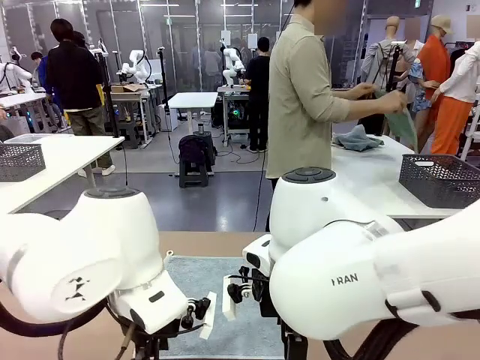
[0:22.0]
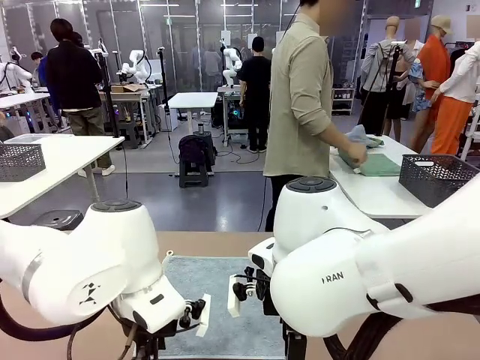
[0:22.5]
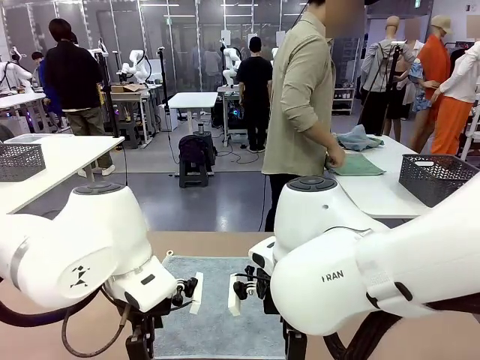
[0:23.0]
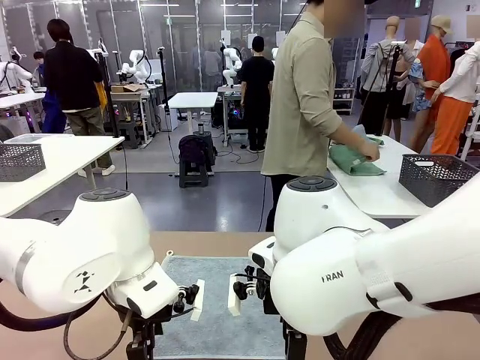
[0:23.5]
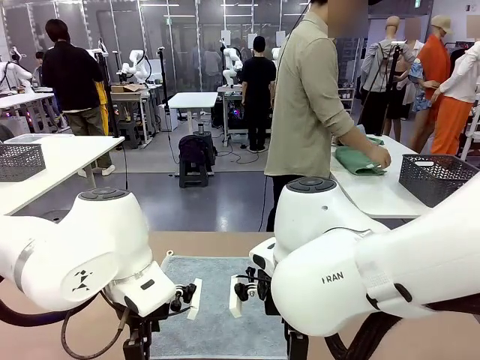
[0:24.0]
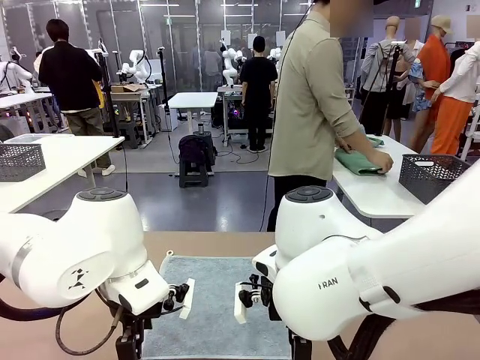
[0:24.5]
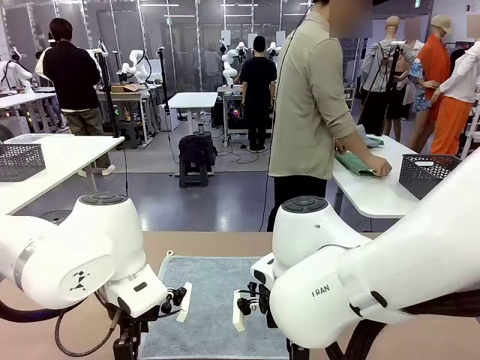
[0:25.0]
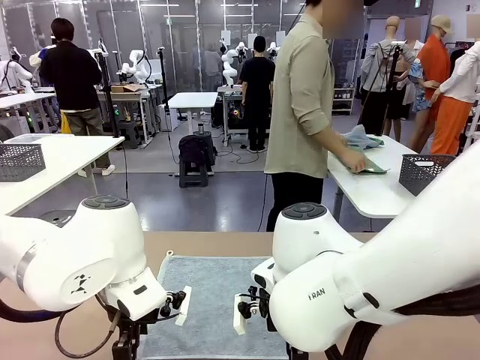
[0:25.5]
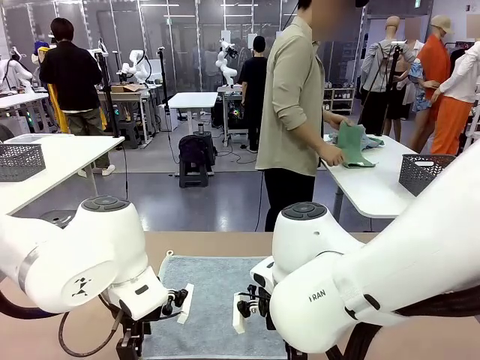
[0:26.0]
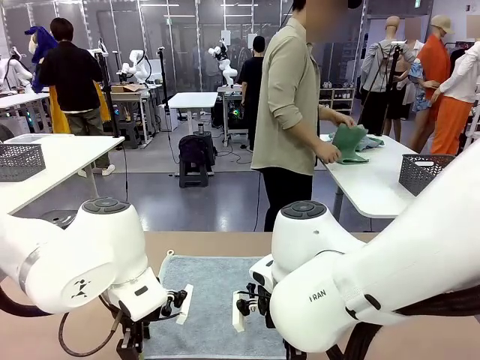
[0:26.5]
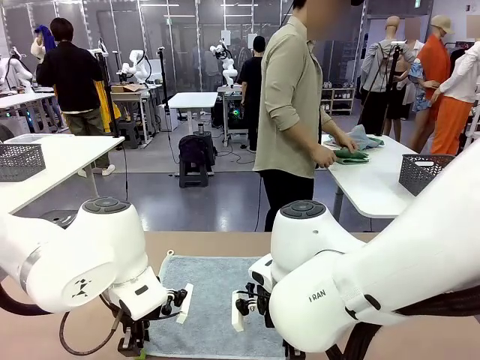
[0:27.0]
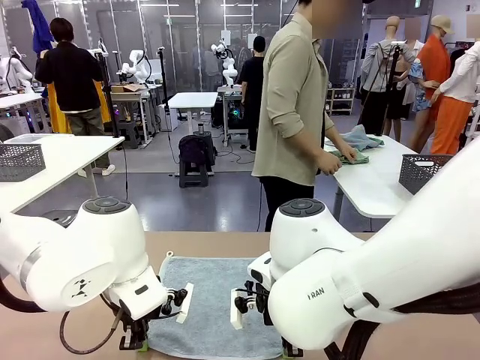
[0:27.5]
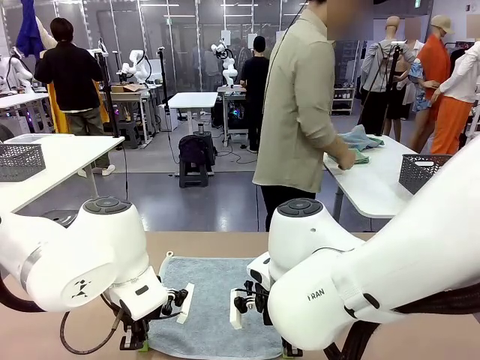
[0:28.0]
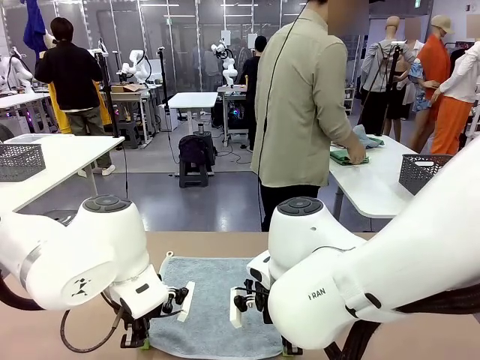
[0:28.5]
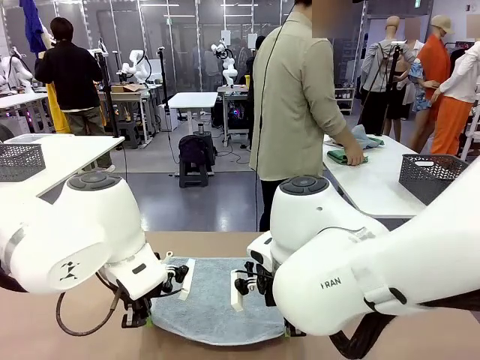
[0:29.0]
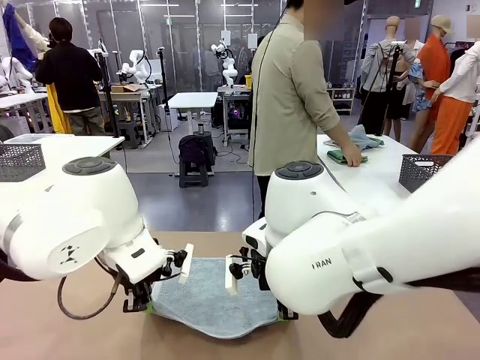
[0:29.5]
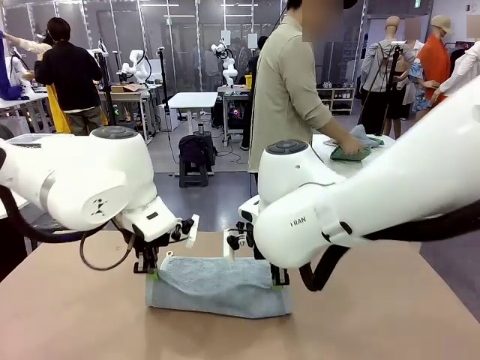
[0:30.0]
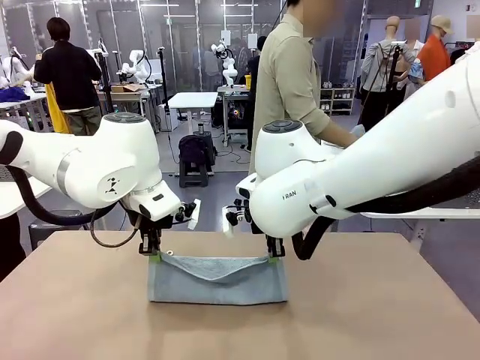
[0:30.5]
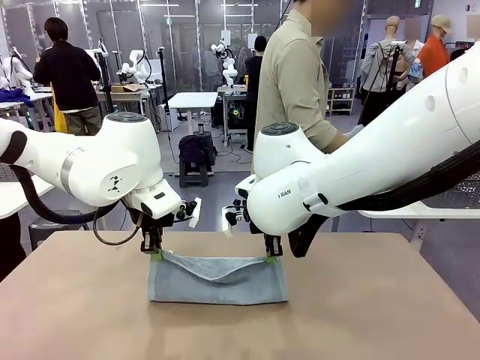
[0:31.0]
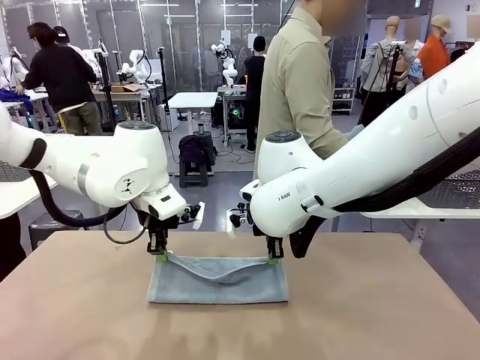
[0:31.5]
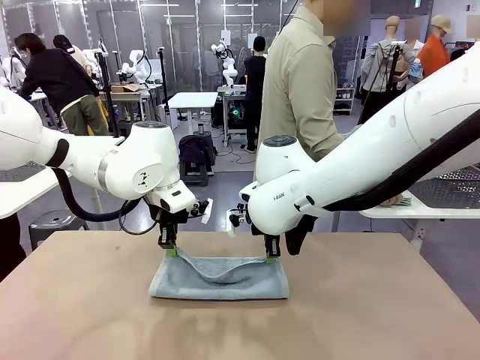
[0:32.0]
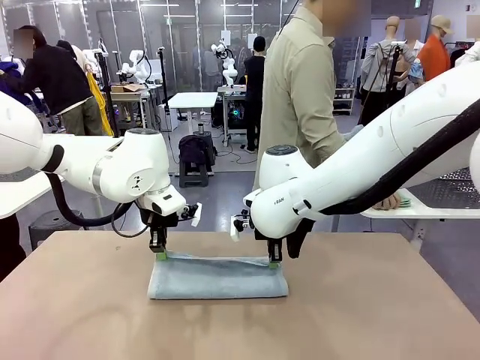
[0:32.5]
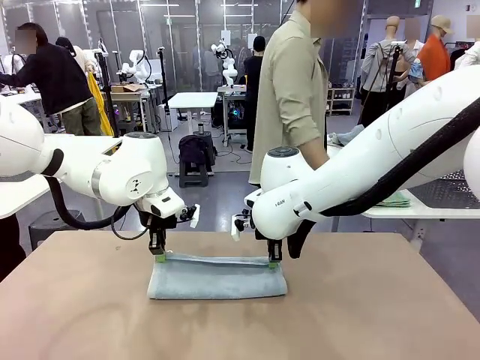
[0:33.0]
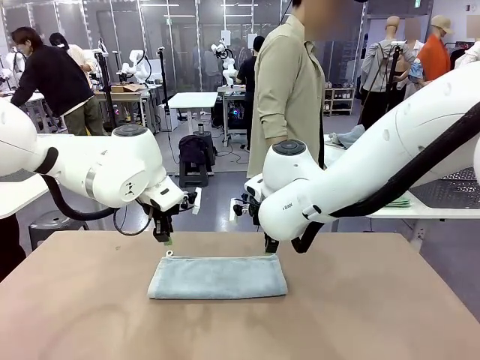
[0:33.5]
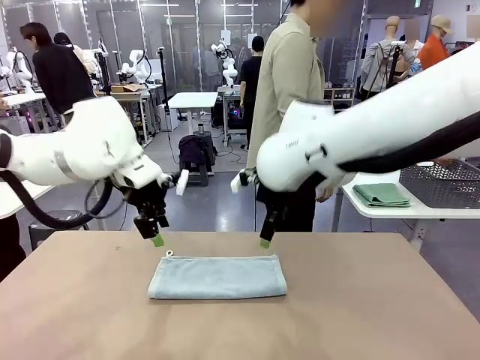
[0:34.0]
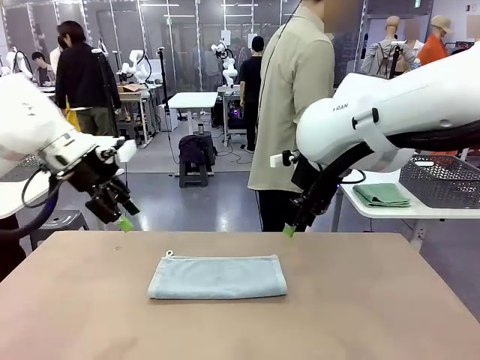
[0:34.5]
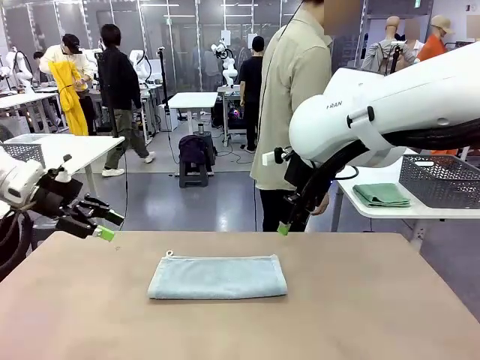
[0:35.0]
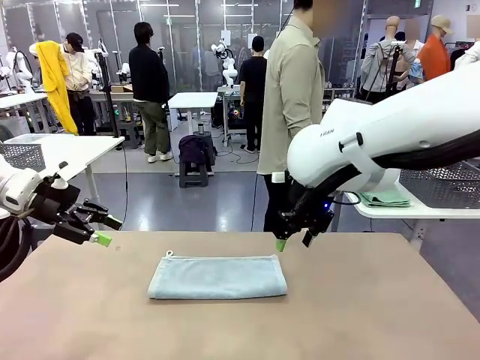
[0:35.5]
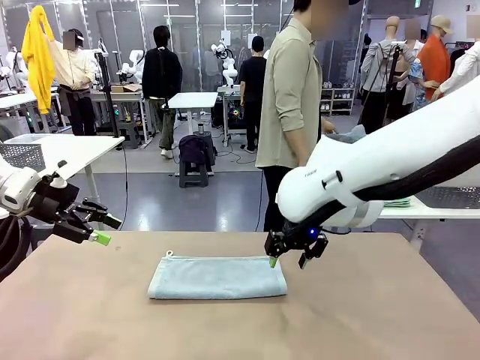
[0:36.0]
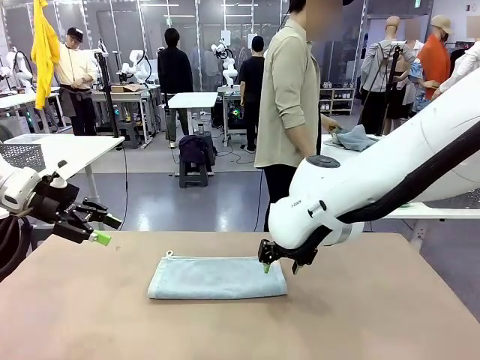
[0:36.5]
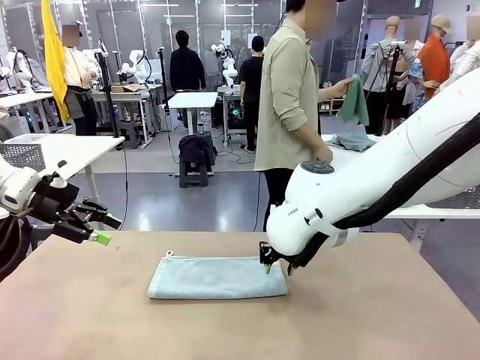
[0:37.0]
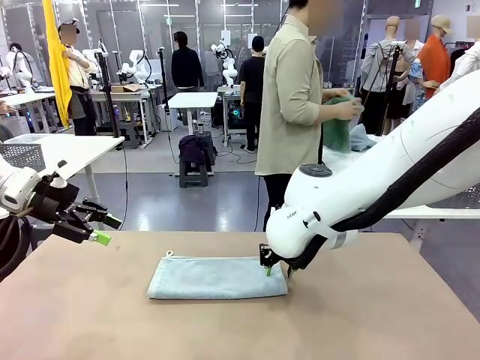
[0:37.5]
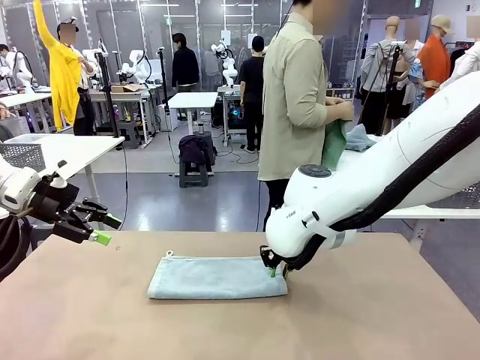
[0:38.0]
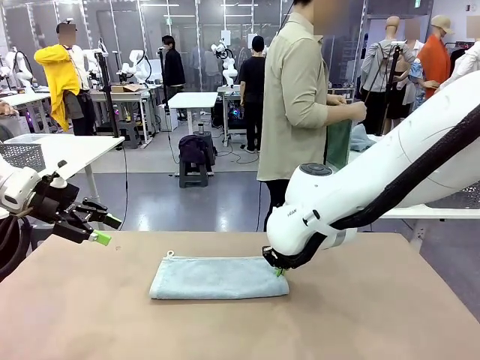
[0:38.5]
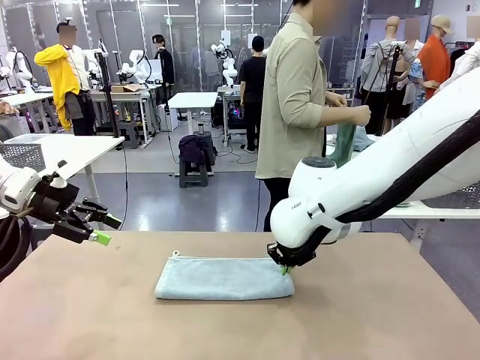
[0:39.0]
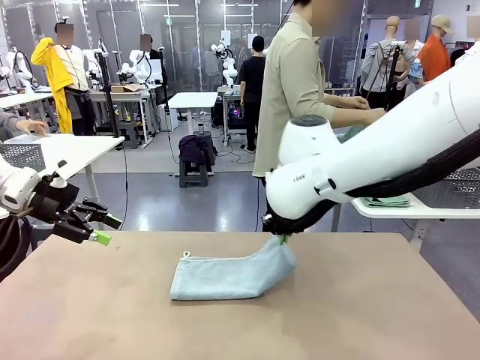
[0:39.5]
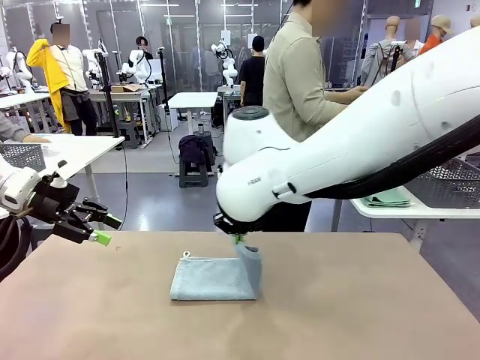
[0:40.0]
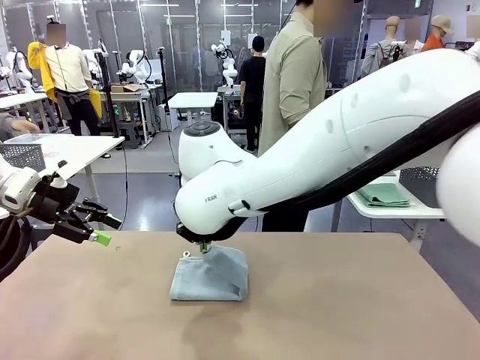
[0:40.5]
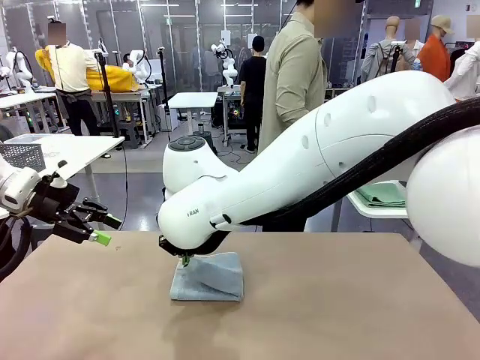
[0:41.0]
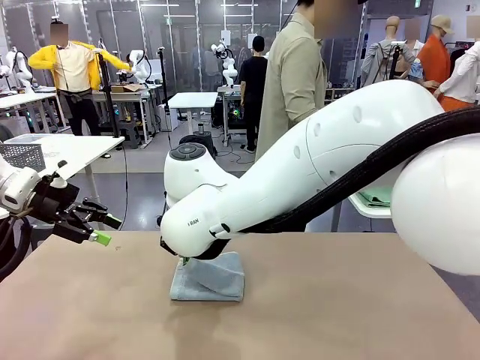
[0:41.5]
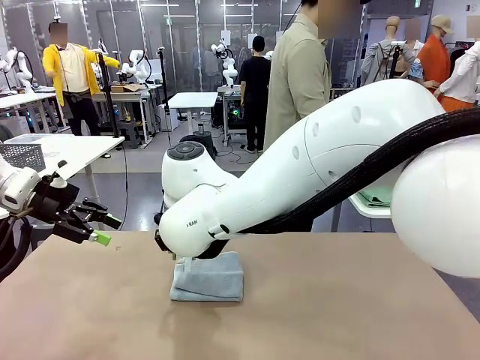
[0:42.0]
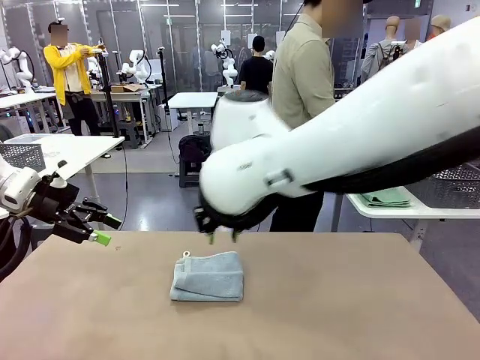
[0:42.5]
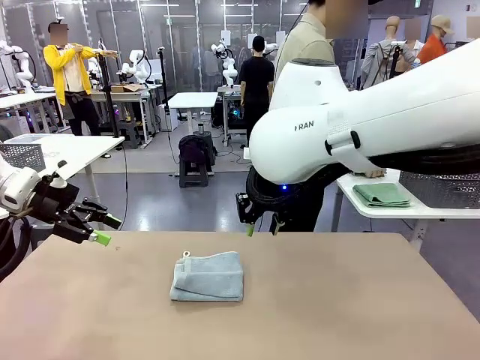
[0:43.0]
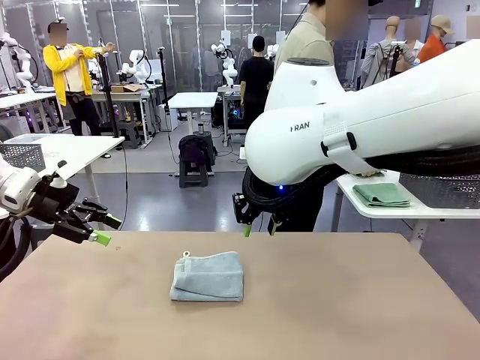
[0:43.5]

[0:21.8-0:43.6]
Task: Fold the towels and place them in the basket.
Robot: When a person lays out a Towel with hook on the table, fold it in half twice.
Person: Pick up one towel from the left side of the human table, fold it in half twice, and place it on the right side of the table. Pick up one towel from the left side of the human table, fold it in half twice, and stack it on the right side of the table.
